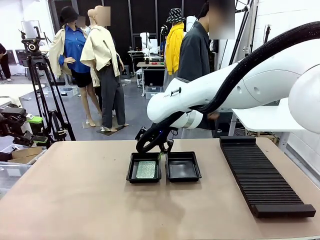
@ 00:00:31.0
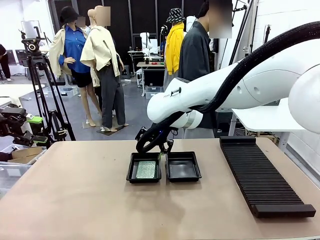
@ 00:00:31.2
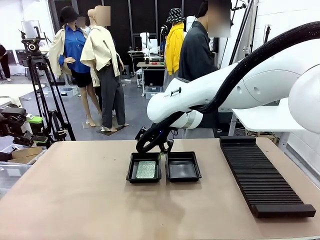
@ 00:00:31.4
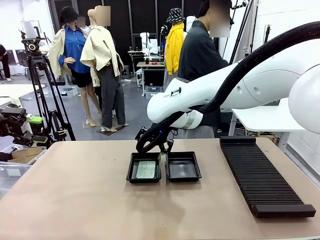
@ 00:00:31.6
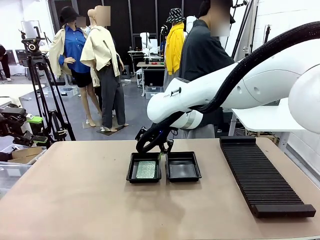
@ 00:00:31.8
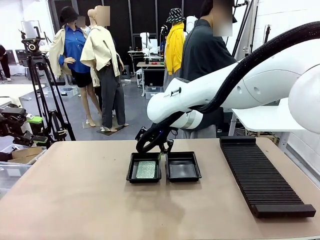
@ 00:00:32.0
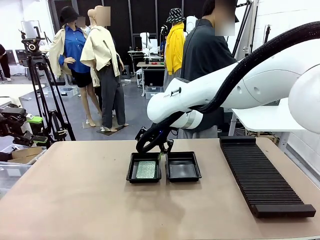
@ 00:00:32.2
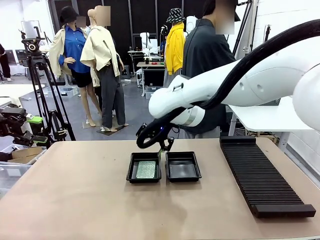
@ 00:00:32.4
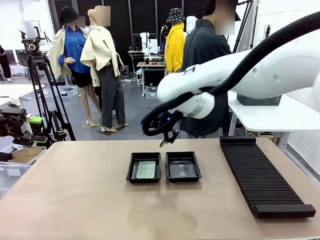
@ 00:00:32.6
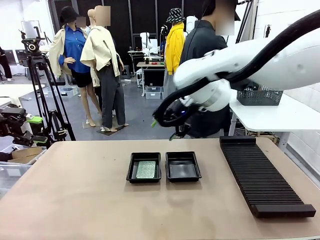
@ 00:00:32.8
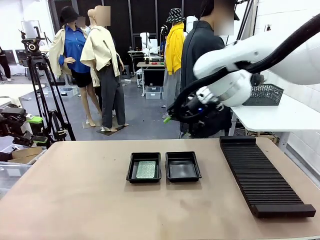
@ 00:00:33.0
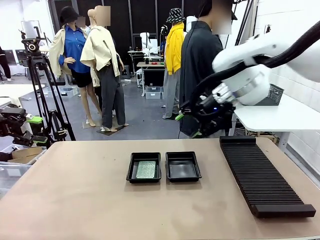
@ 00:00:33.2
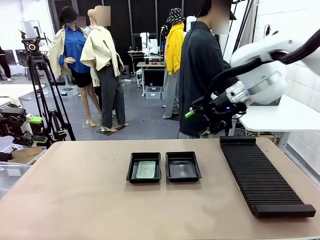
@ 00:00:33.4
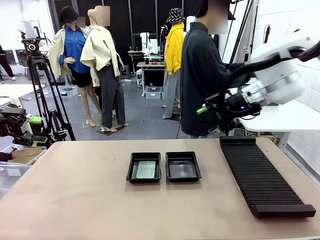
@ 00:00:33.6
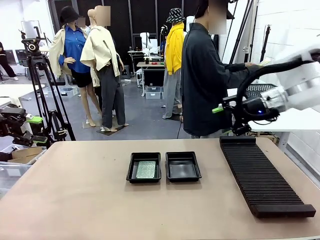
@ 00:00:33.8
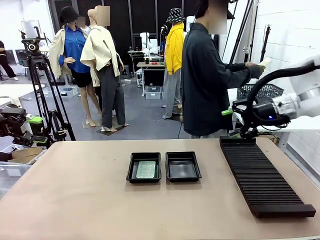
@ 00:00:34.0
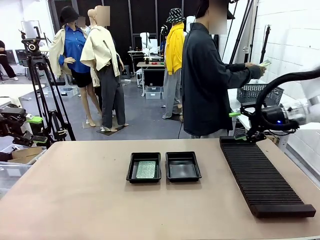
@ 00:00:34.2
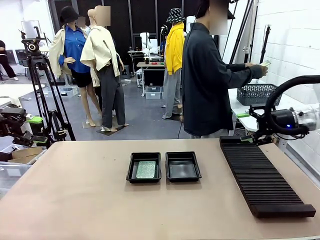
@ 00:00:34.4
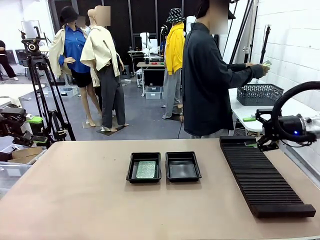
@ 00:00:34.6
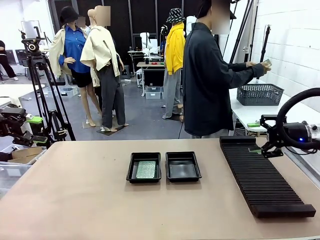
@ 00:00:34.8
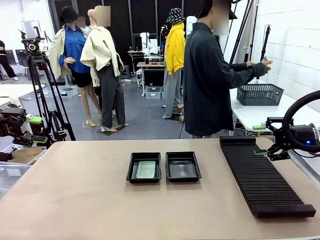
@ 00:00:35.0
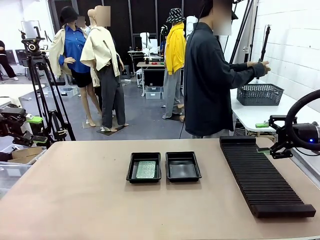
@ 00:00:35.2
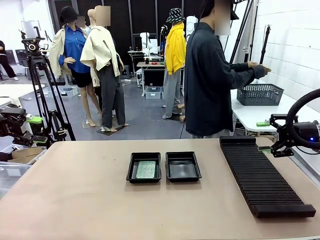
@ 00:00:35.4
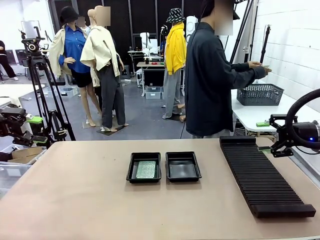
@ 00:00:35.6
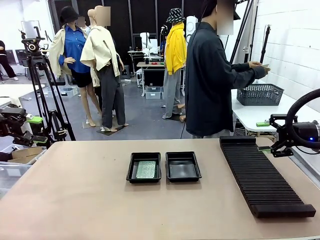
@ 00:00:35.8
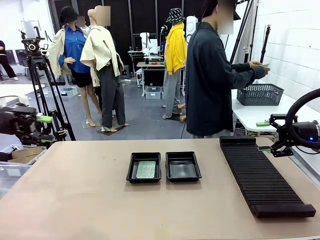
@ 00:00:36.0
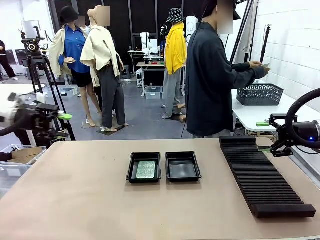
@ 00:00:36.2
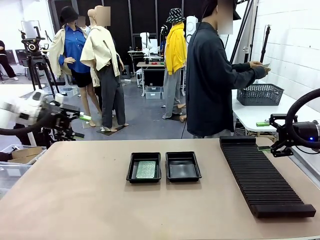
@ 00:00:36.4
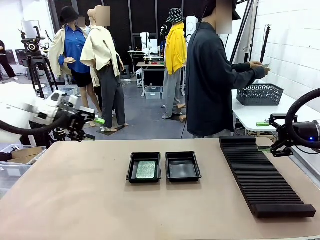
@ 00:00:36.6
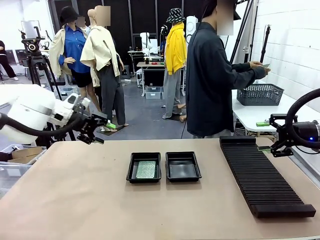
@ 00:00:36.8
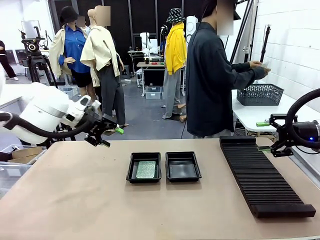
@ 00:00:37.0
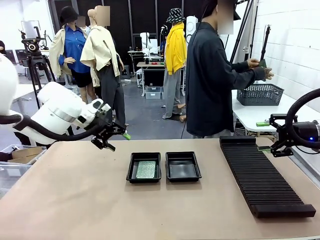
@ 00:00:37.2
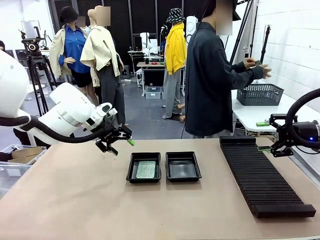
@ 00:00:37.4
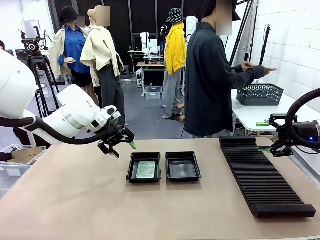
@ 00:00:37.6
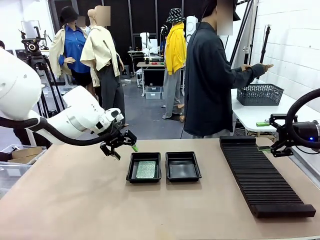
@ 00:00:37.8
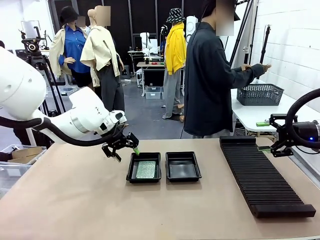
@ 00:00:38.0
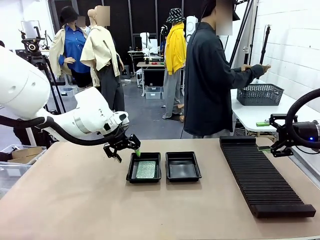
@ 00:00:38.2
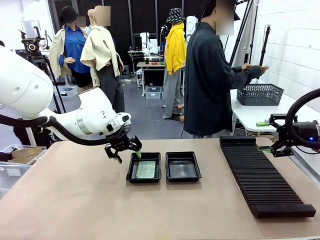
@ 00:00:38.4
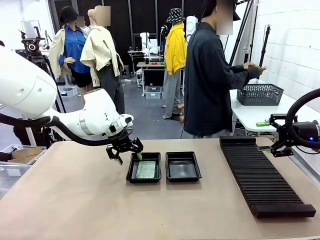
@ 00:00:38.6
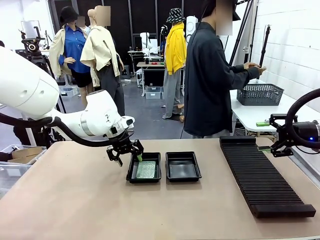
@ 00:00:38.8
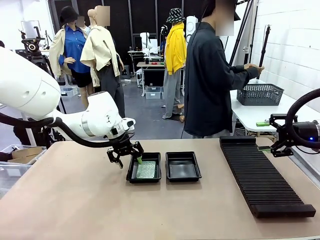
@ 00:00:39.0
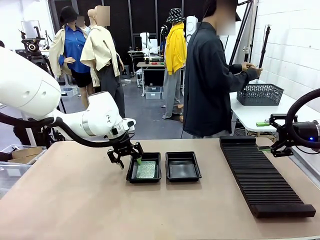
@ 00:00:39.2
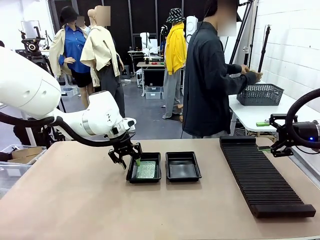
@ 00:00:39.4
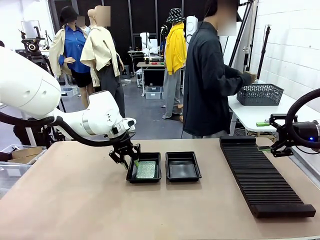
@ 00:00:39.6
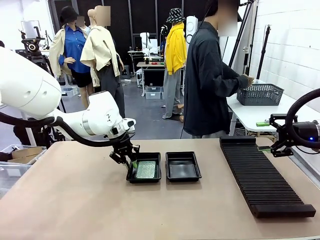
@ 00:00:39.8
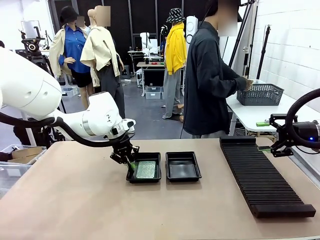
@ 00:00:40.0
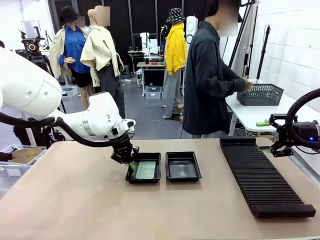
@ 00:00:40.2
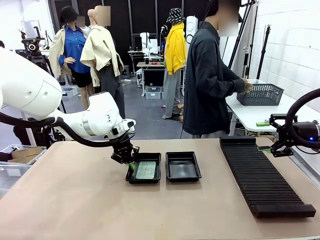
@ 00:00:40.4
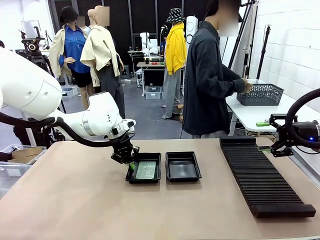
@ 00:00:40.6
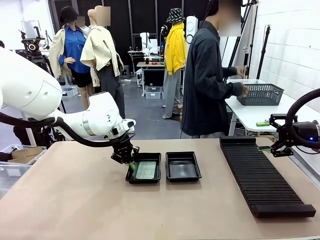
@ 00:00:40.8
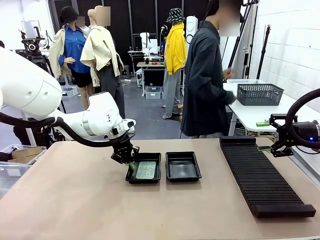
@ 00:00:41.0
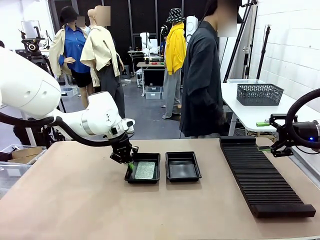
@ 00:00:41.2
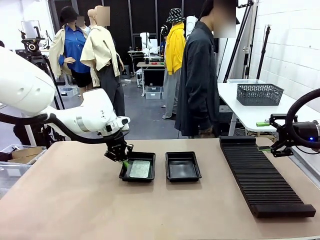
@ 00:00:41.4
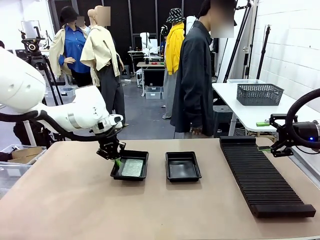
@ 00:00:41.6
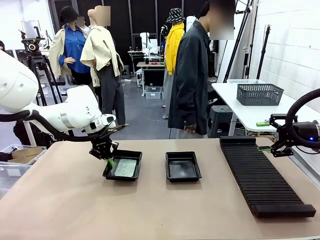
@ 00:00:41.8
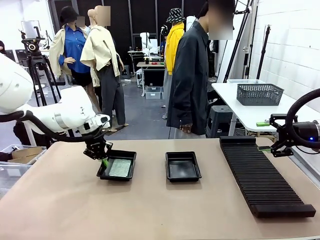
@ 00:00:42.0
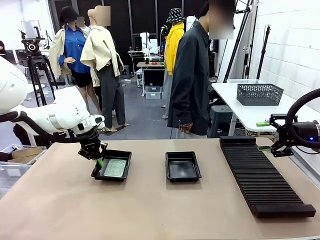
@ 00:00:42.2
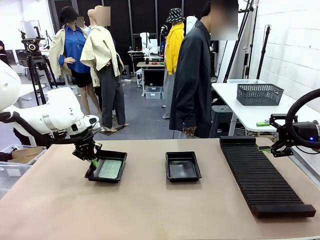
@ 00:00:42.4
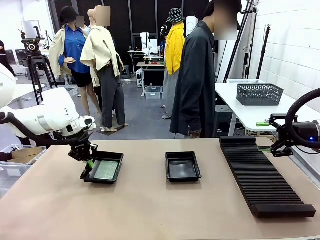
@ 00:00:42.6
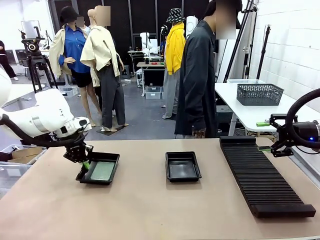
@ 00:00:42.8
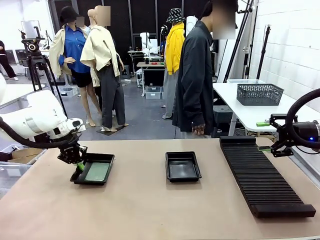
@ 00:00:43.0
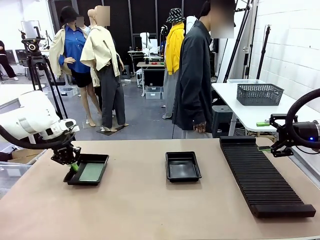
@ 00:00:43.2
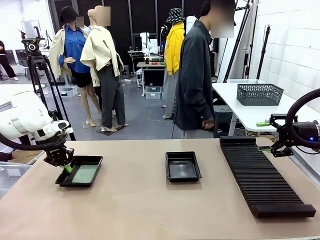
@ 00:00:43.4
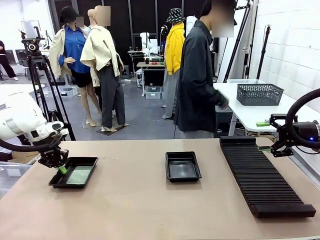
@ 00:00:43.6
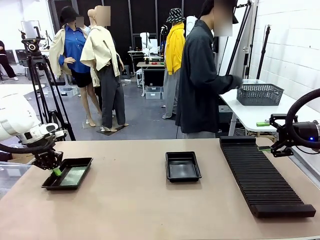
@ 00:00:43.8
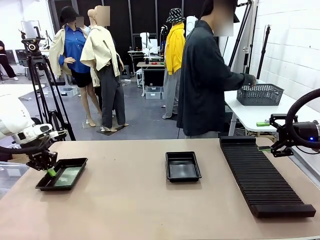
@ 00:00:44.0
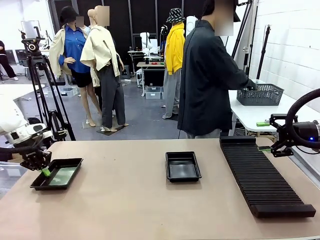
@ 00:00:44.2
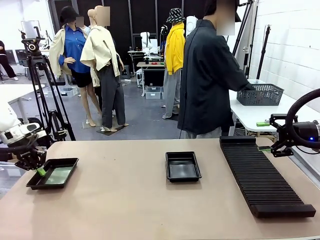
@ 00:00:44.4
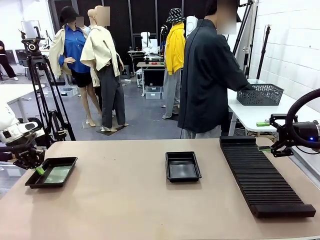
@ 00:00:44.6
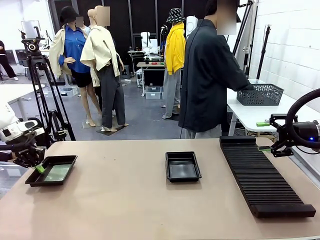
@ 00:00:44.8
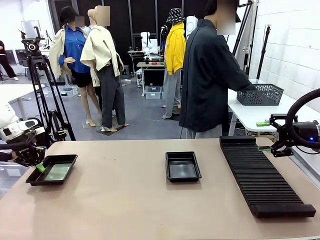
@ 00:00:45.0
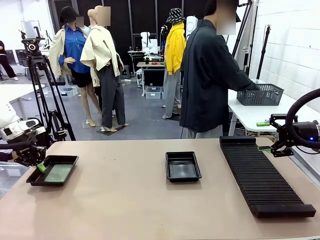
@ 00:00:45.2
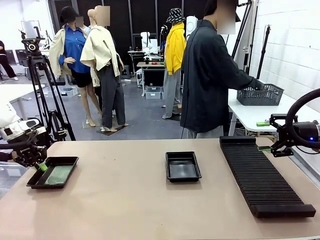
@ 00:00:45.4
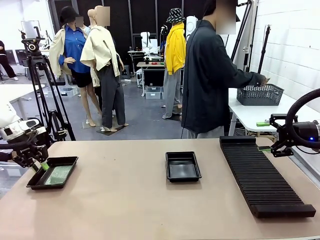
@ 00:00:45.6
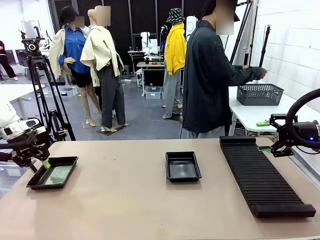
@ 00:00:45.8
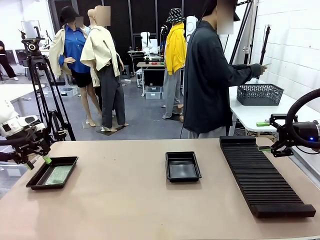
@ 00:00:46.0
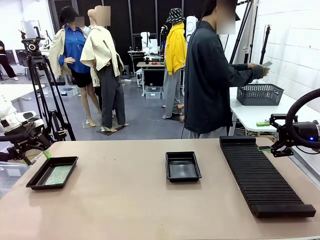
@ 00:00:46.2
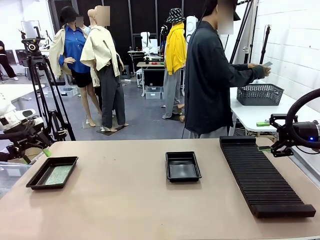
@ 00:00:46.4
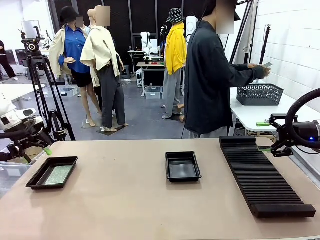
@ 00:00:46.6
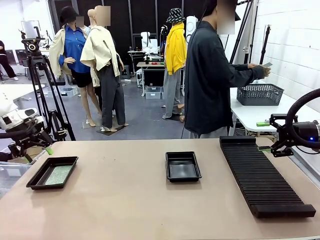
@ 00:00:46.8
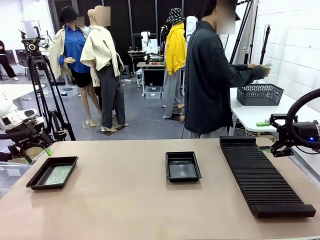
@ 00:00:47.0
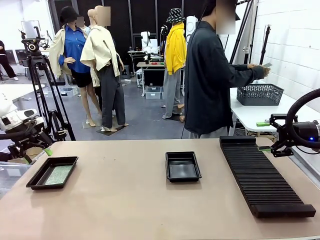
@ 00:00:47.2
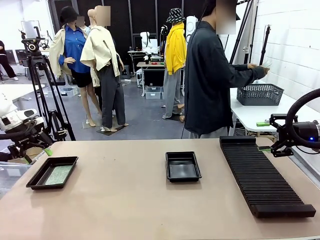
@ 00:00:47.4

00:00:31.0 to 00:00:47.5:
Task: Inspect and transfer BCBs to ESD trays.
Robot: Pick up the ESD tray and place it on the left side of the table.
